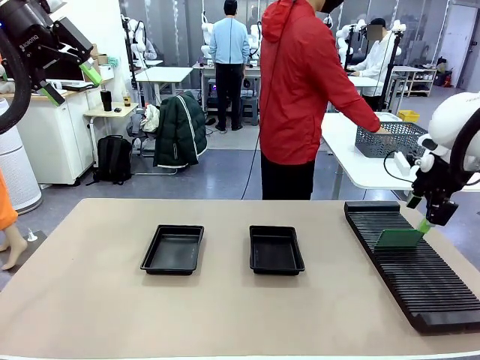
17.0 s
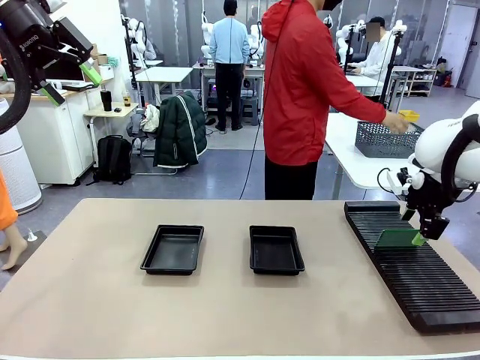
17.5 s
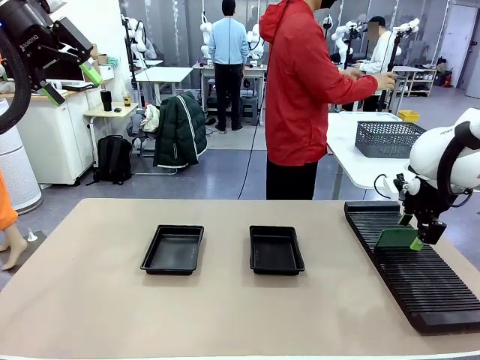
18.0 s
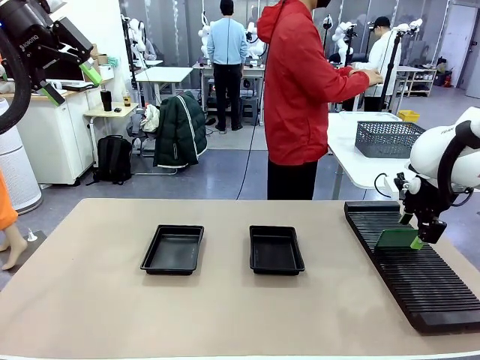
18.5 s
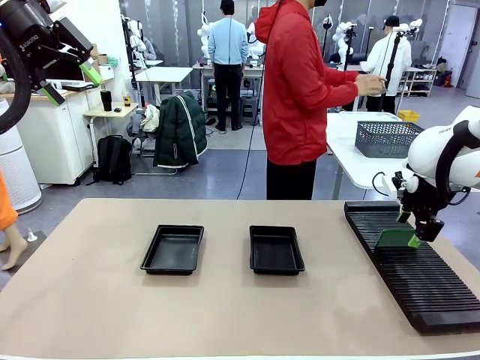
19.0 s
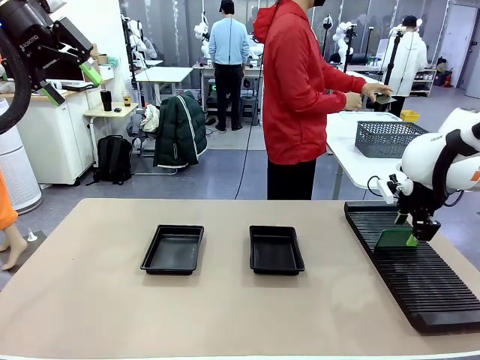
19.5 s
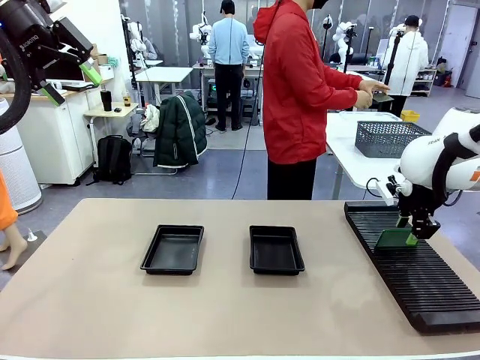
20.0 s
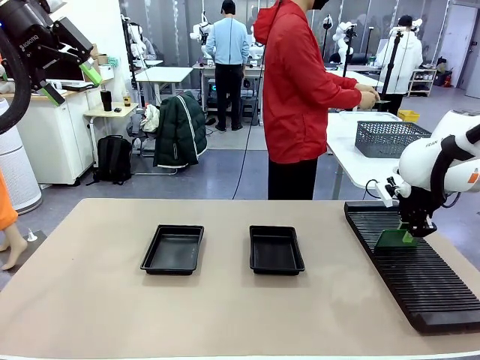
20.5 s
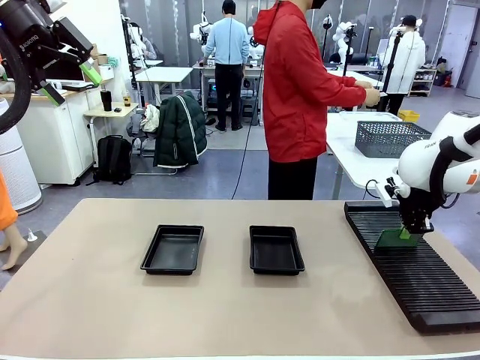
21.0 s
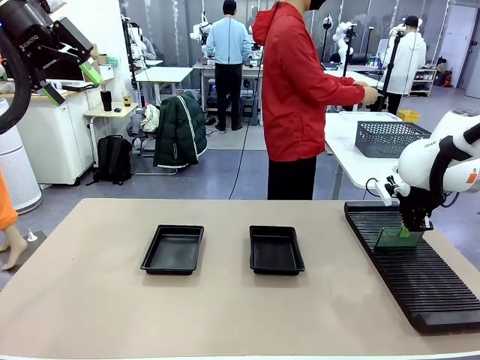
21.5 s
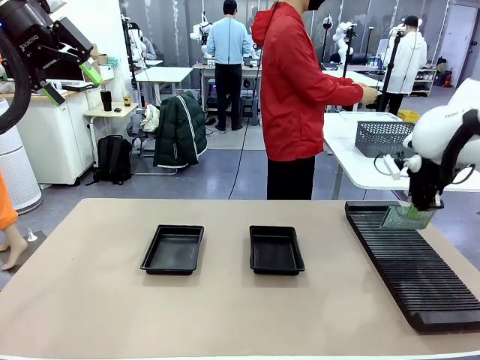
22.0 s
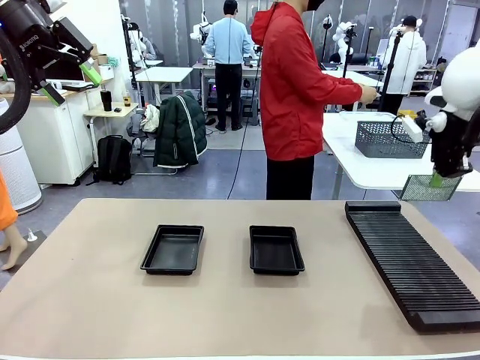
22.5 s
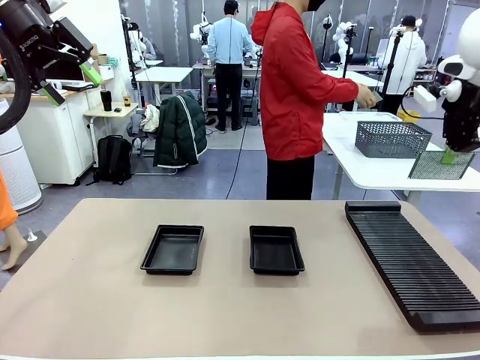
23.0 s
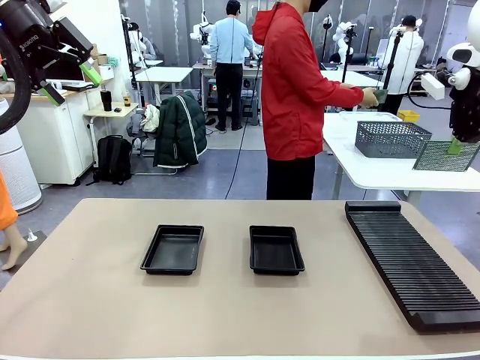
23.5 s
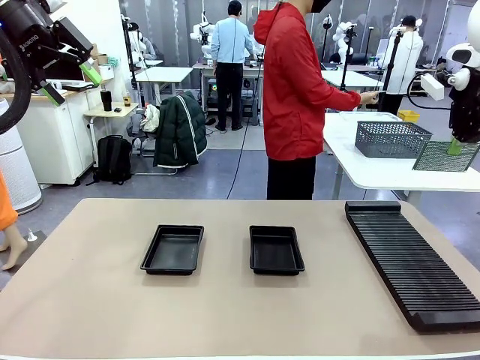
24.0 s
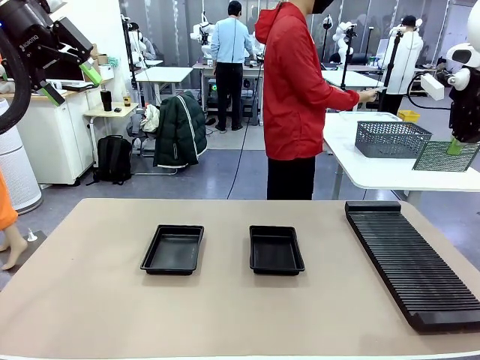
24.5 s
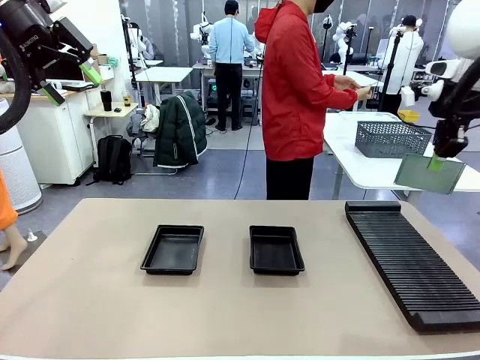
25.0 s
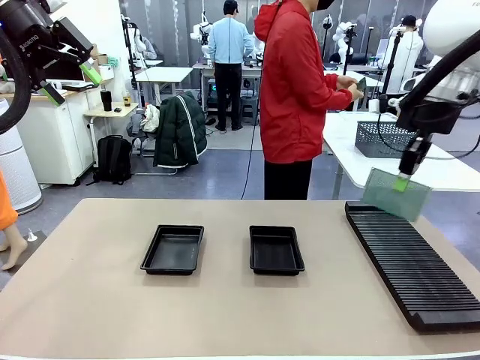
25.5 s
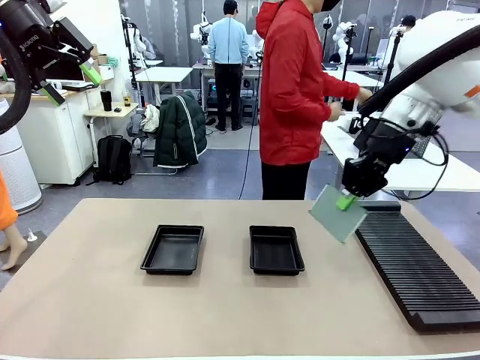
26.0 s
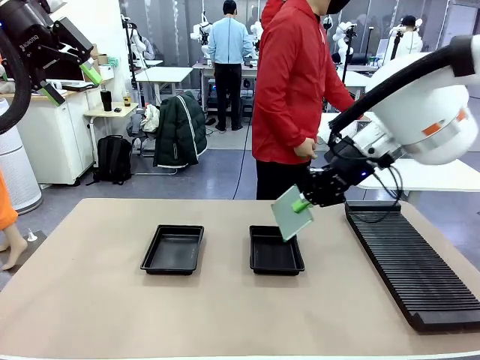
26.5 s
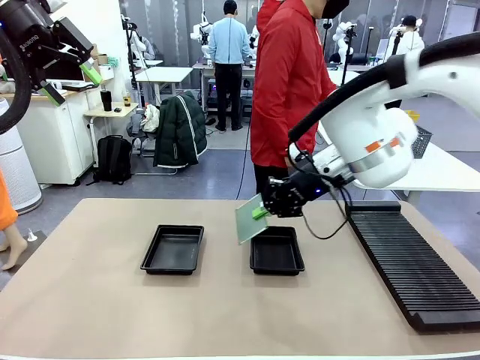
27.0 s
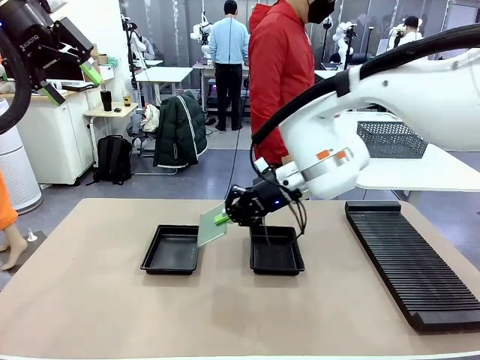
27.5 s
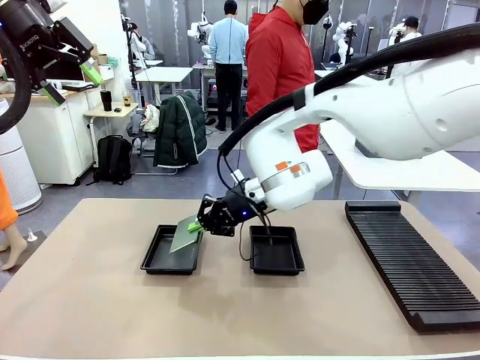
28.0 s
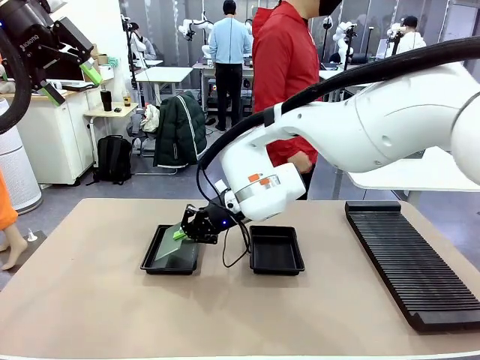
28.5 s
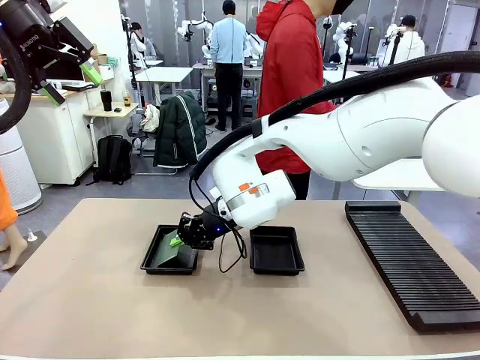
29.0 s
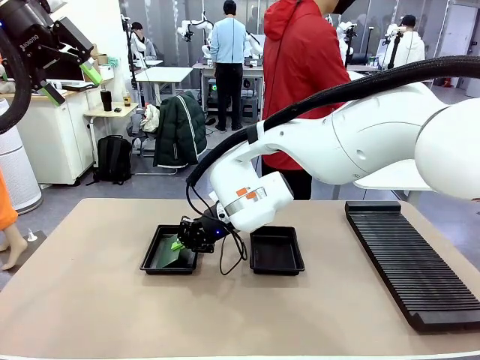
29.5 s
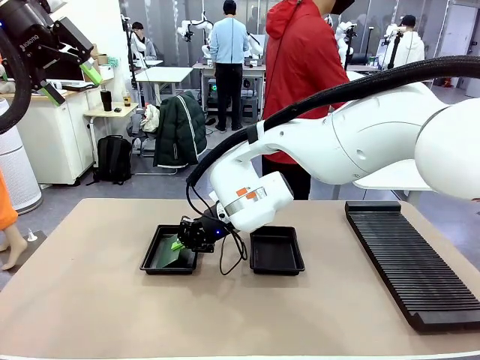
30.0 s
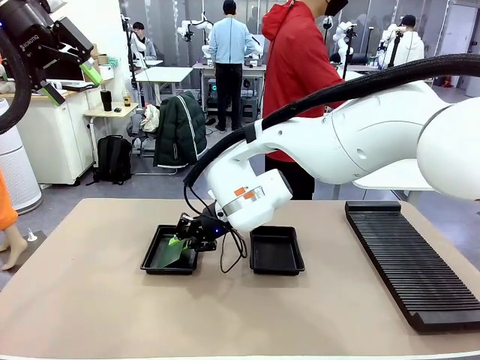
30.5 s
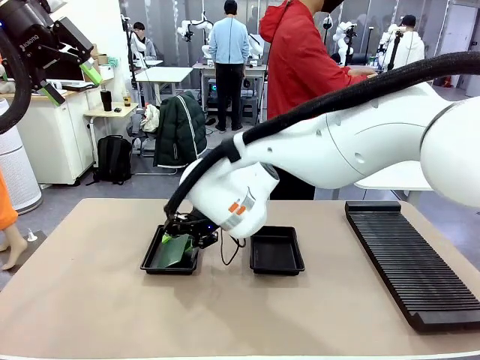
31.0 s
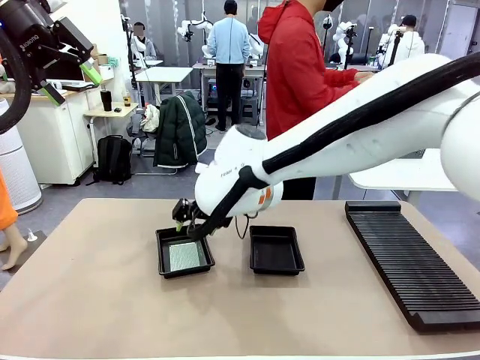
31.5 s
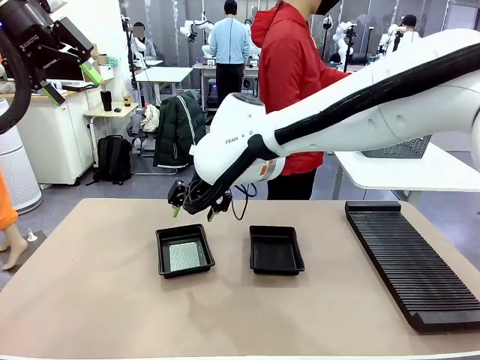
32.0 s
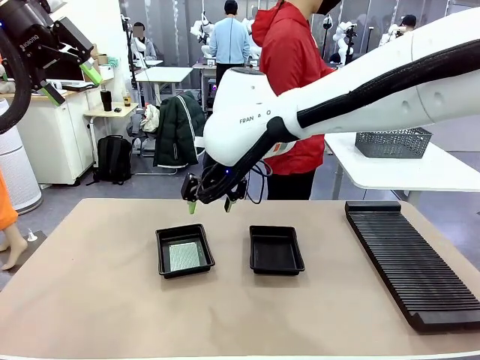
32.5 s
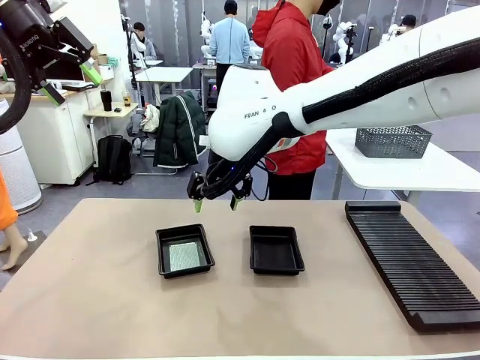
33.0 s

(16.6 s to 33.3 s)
Task: Inspect and transfer BCBs to ESD trays.
Robot: Pick up the Blank PCB from the PCB Rack and place it in the left ESD tray.

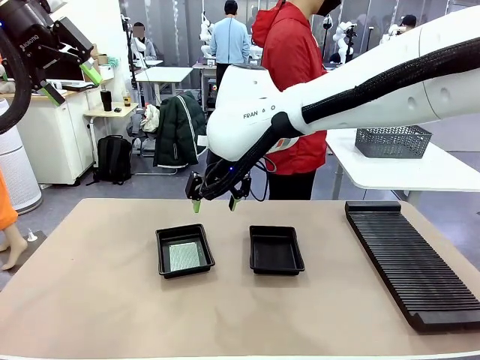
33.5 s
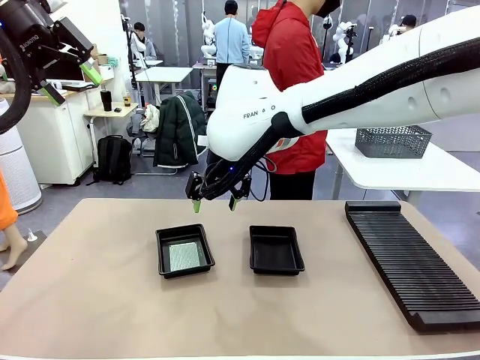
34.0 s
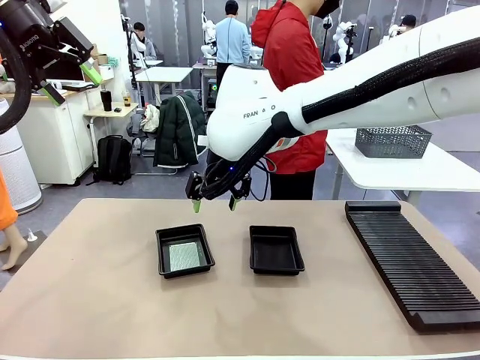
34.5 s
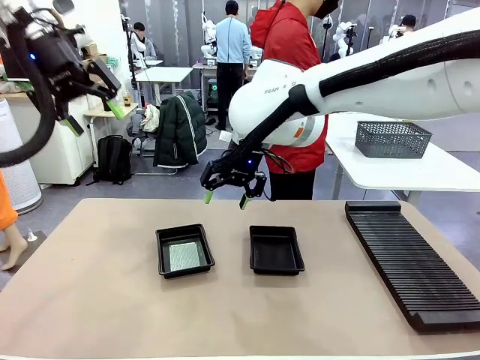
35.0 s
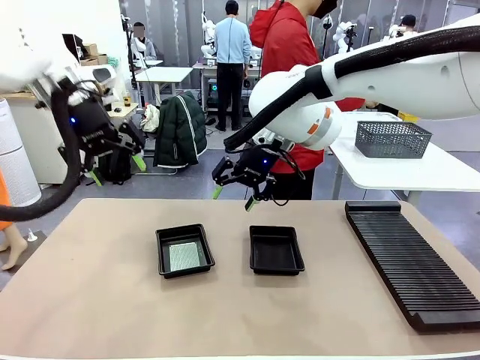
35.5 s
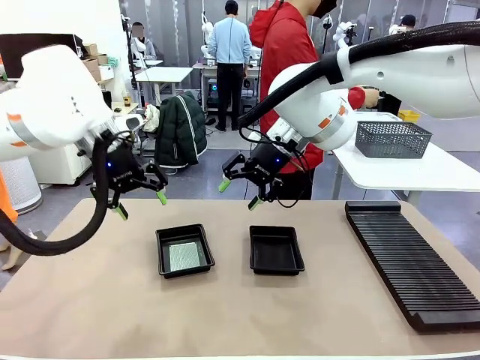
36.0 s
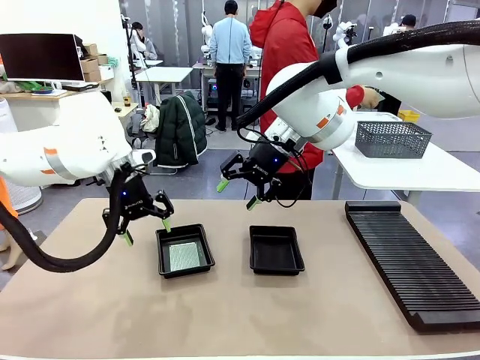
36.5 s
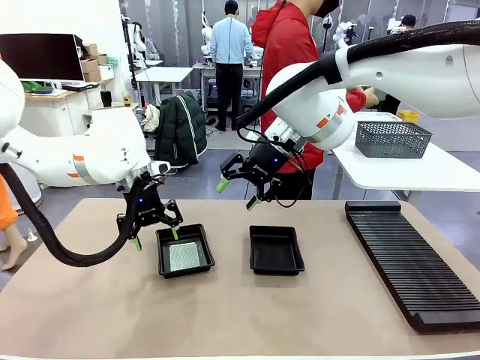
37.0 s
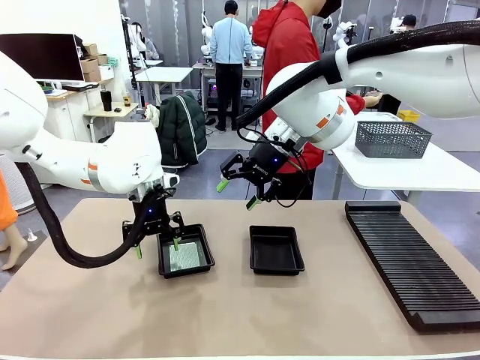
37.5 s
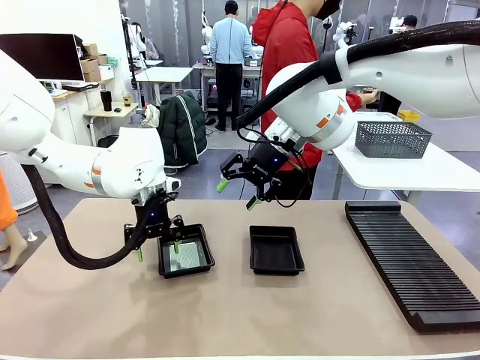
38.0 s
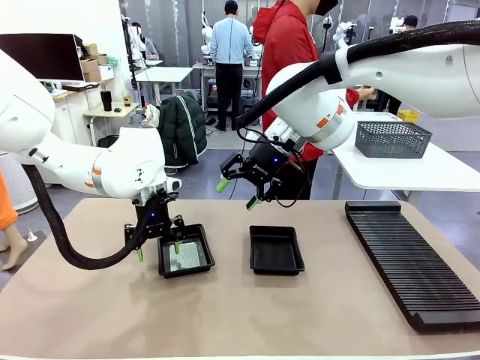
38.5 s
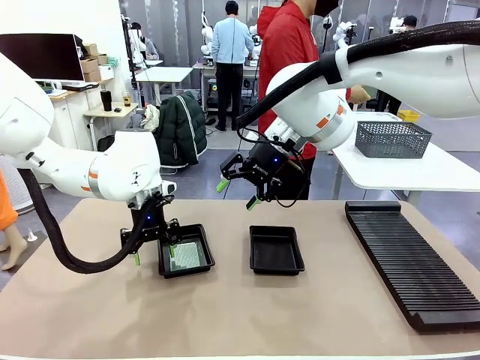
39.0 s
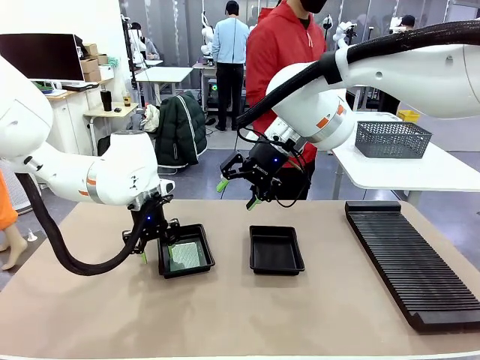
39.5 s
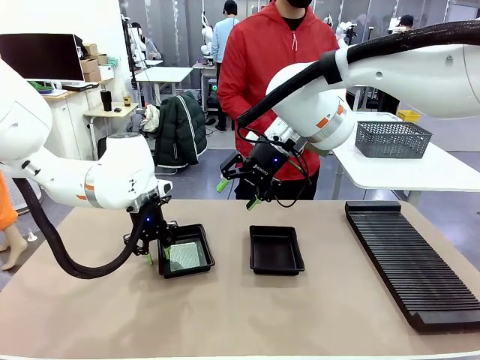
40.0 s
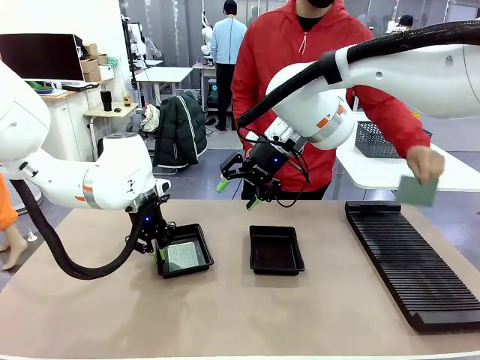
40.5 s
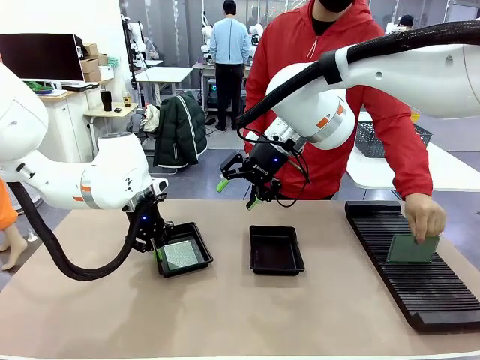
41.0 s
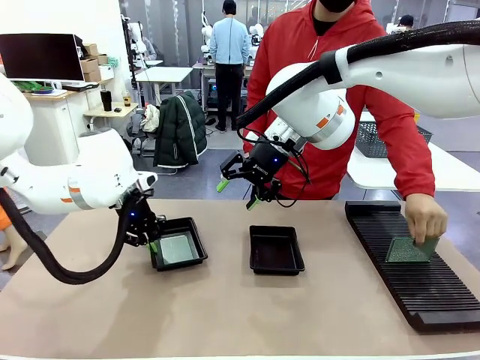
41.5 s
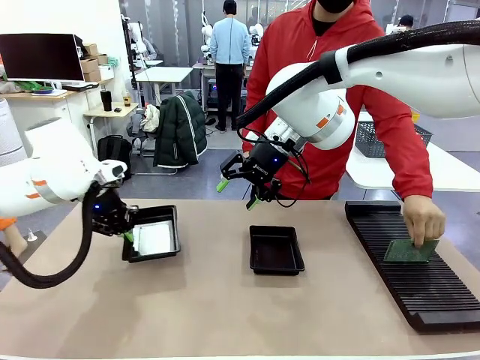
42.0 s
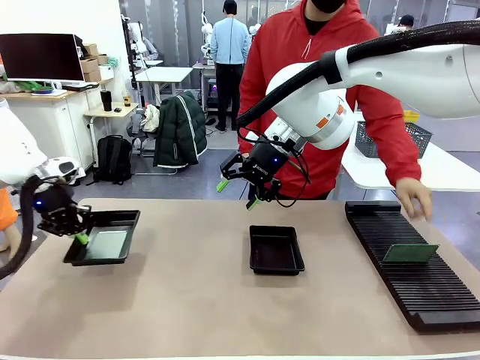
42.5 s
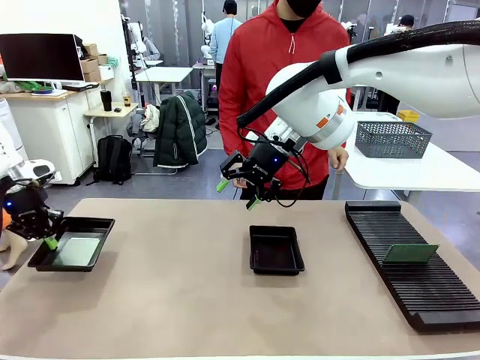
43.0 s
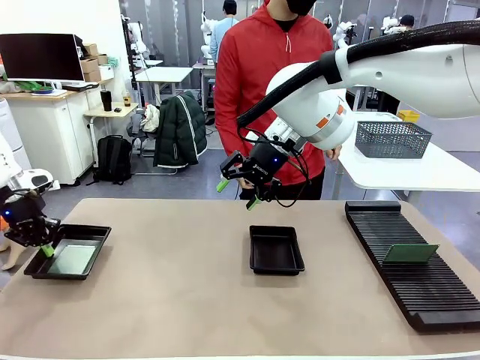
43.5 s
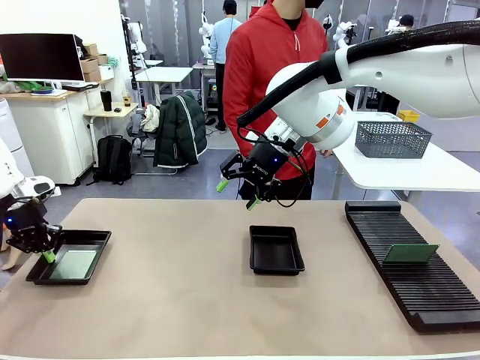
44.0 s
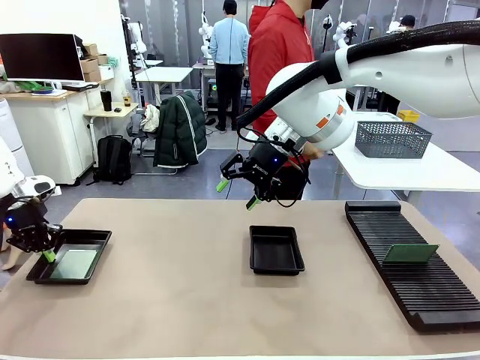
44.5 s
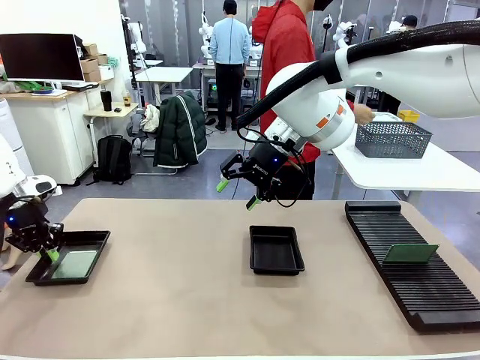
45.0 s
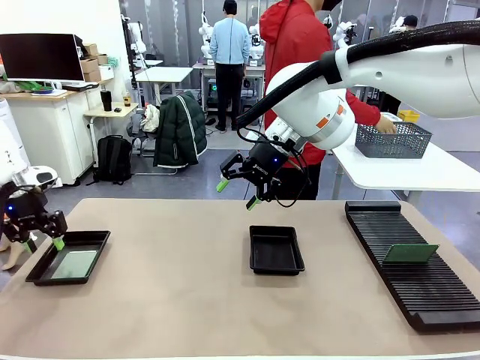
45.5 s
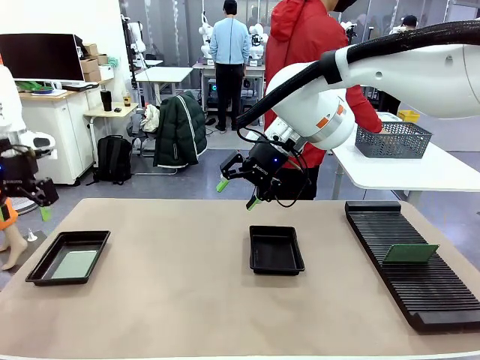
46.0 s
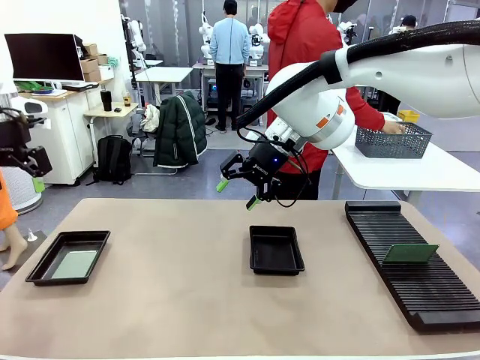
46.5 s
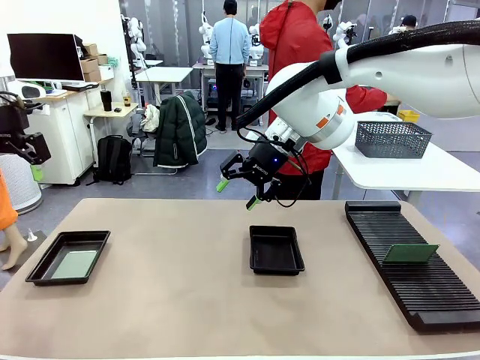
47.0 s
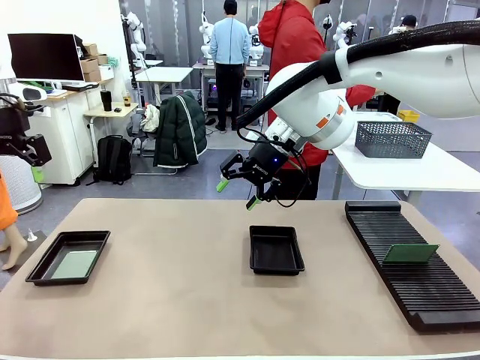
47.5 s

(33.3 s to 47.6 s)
Robot: Pick up the ESD tray and place it on the left side of the table.
